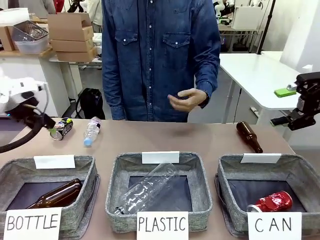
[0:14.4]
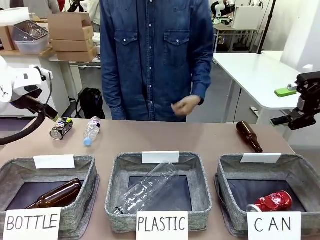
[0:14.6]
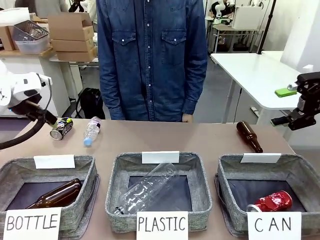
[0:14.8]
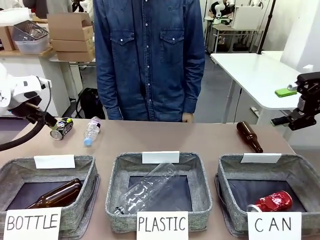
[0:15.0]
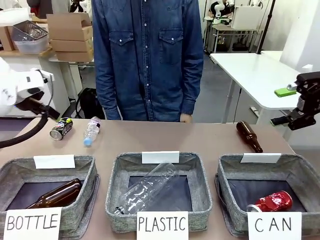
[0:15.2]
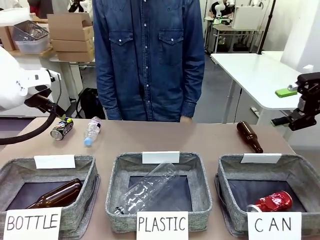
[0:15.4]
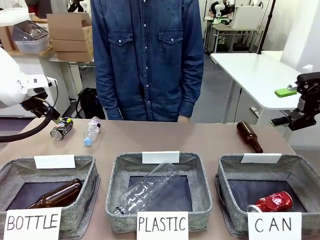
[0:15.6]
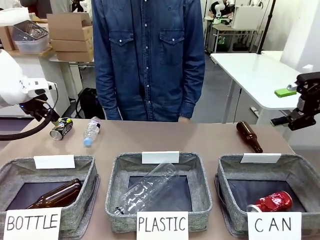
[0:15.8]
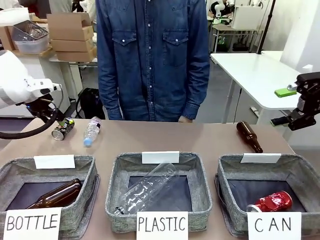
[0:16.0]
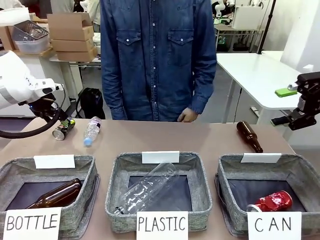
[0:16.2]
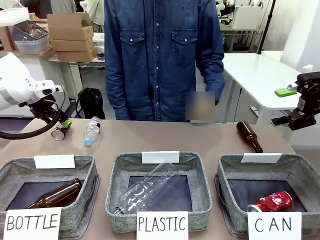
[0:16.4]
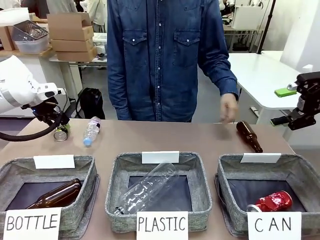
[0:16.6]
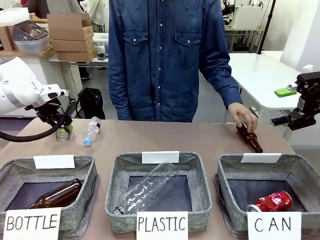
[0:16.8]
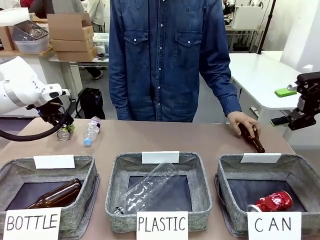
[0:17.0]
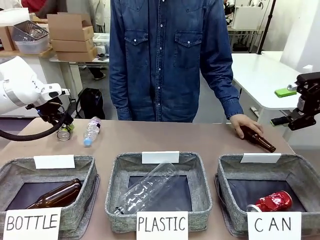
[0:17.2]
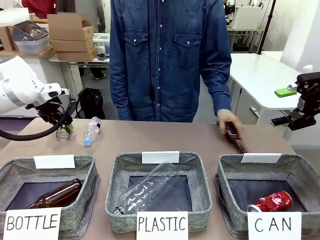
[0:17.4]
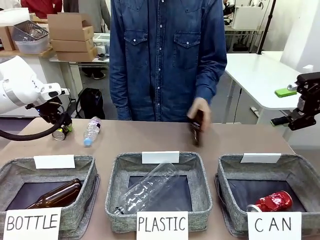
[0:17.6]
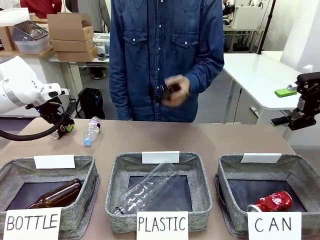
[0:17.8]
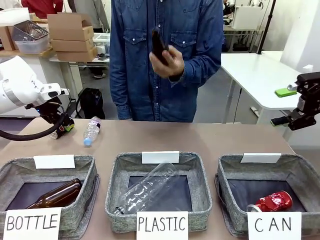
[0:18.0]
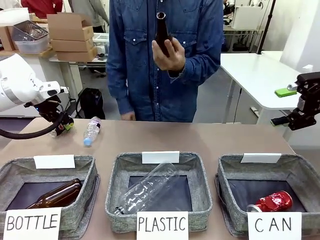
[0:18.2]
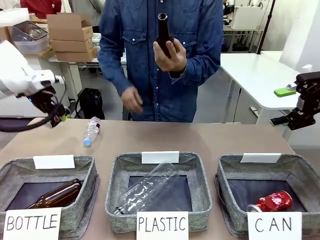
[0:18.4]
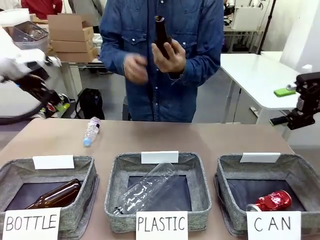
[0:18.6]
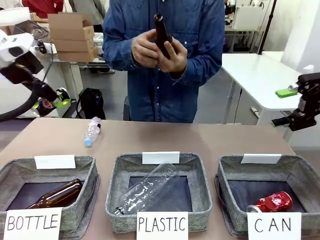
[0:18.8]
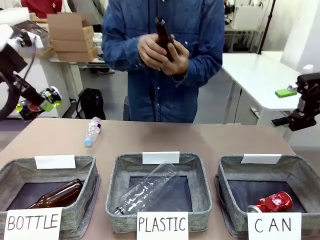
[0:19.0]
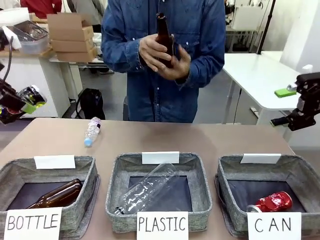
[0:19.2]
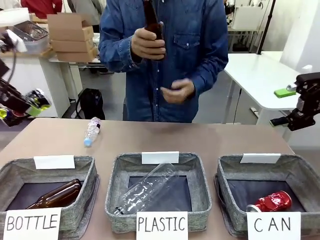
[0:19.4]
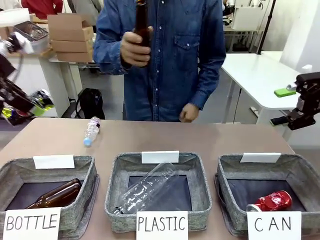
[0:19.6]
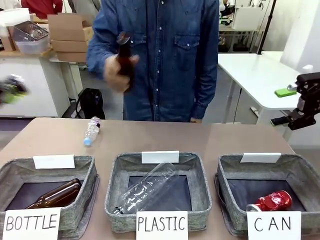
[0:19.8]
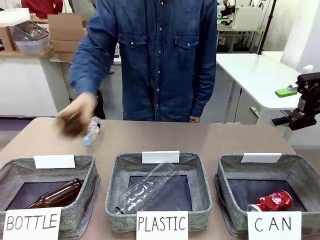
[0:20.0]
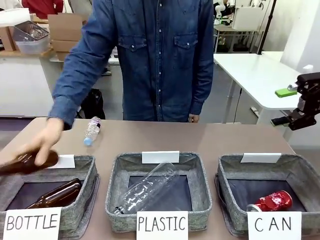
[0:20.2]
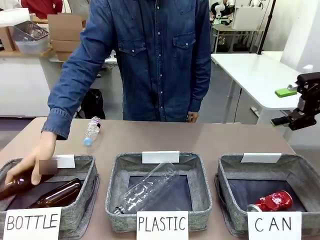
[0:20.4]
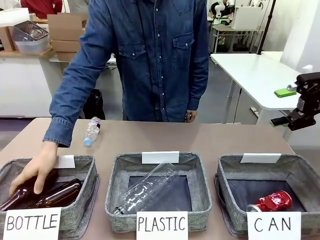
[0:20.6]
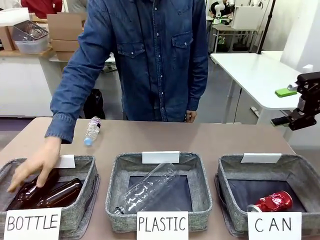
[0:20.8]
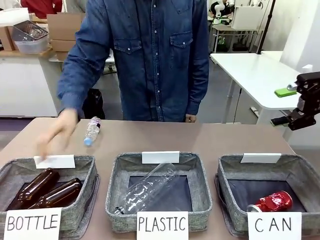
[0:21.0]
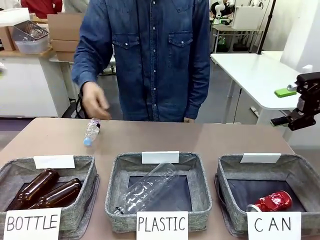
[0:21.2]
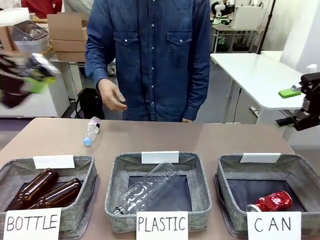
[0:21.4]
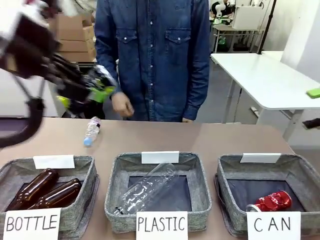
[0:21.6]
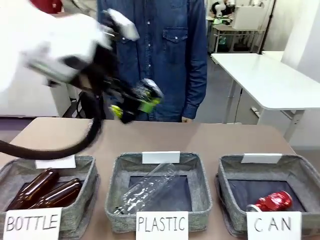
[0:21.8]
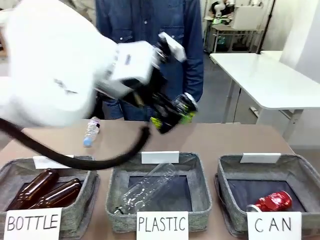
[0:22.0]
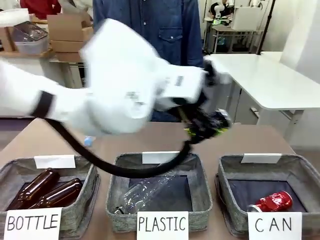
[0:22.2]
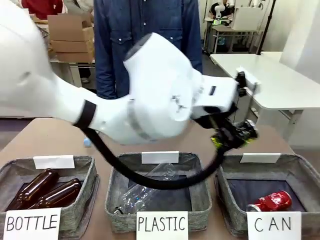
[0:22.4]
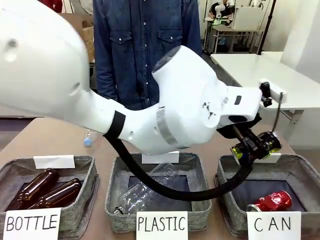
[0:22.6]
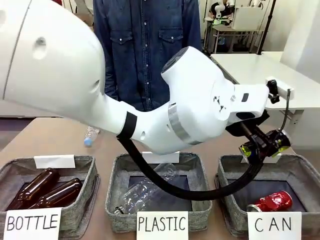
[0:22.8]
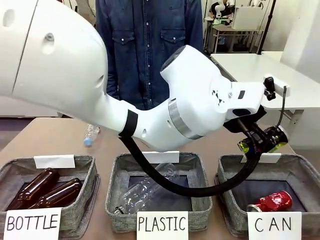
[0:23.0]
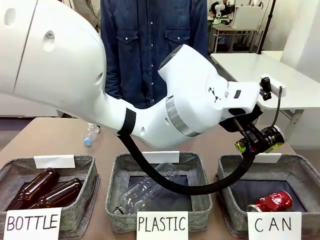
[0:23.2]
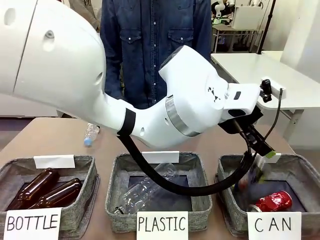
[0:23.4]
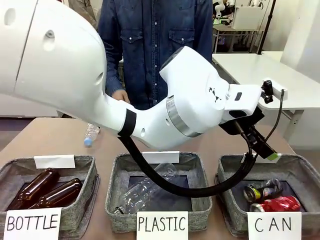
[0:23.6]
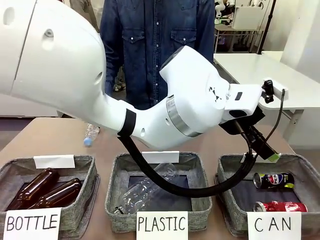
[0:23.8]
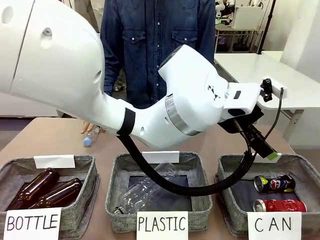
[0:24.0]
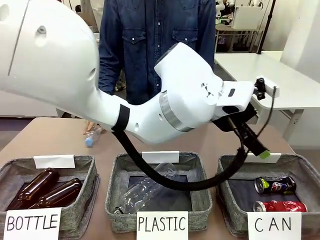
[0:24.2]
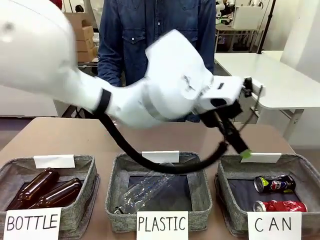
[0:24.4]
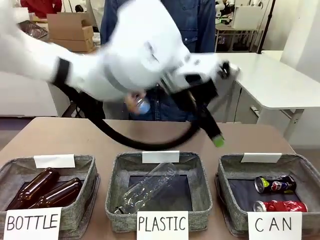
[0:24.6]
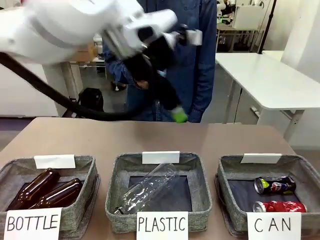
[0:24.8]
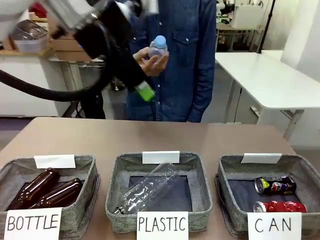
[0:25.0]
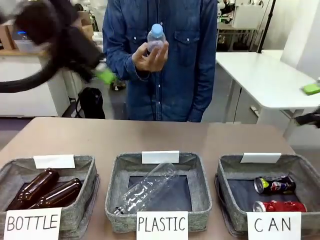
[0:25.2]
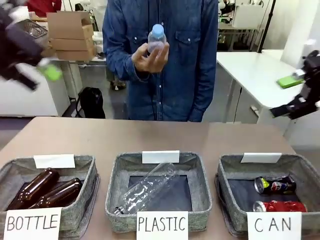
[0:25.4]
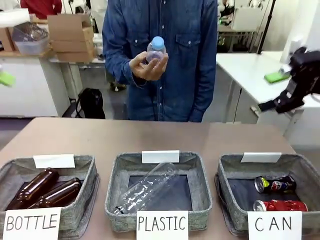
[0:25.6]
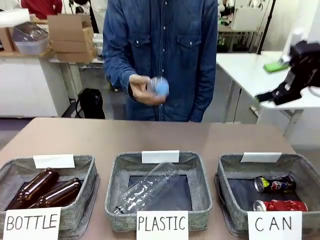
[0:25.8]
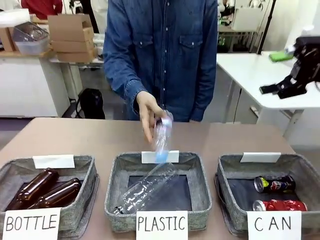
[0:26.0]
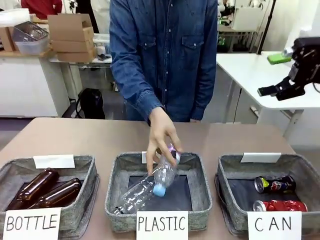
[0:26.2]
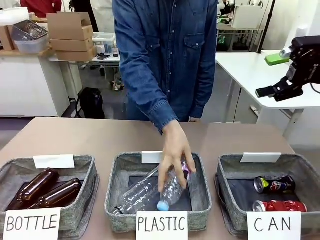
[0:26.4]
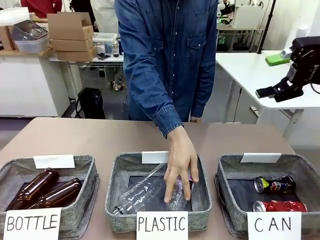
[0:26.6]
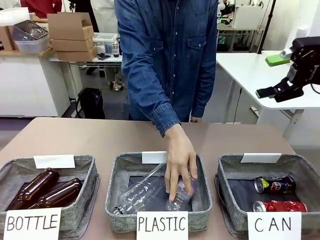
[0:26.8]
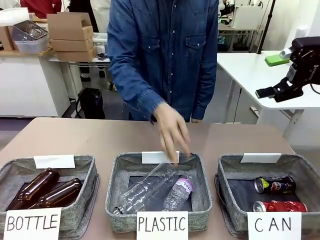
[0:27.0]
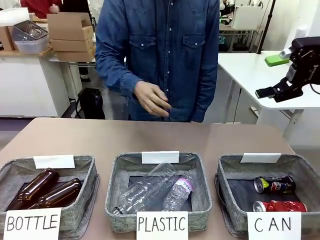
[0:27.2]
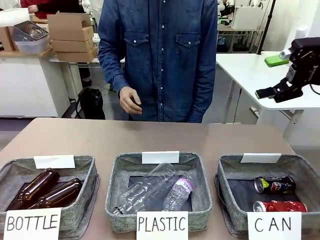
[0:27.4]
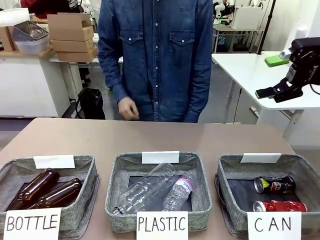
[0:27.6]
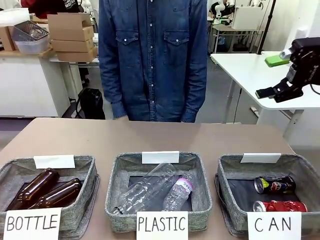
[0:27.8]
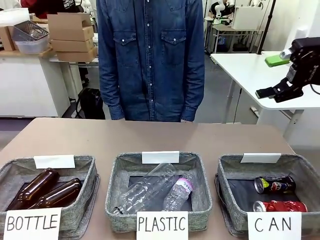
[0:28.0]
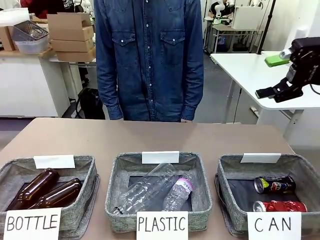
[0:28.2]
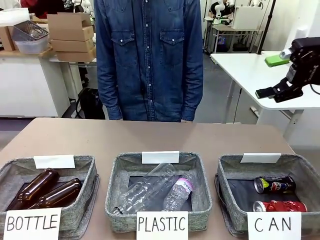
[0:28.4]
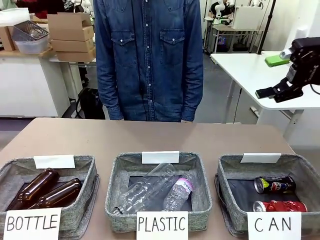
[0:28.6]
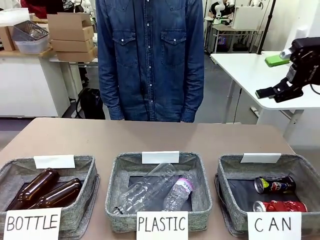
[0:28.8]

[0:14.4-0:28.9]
Task: Sort the can waste into the basket.
Robot: Pick up the can waste from the table and place it in the right Fabric basket.
Person: The human picks up one piece of trash that is not a can and places the trash into the appropriate organizing basket.

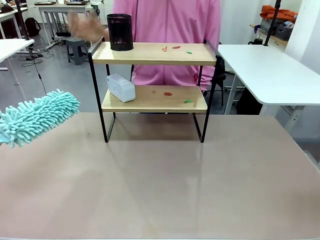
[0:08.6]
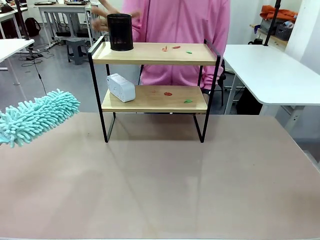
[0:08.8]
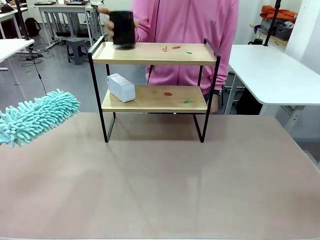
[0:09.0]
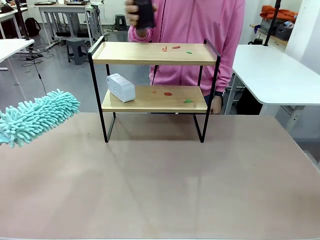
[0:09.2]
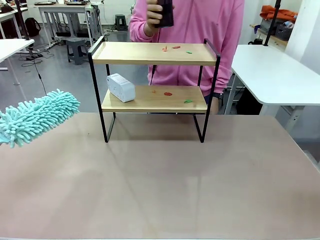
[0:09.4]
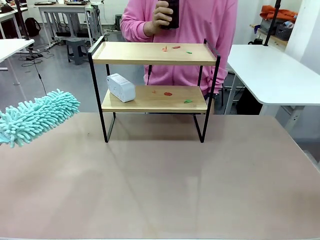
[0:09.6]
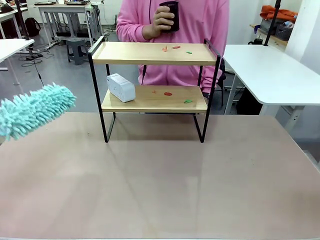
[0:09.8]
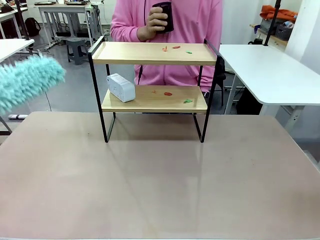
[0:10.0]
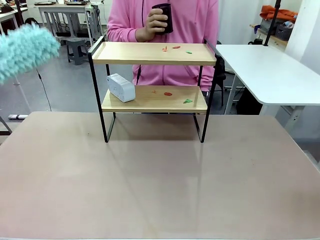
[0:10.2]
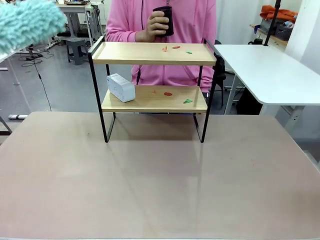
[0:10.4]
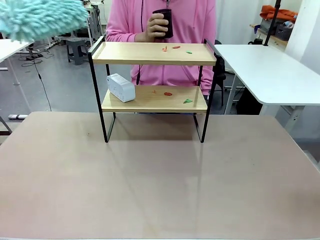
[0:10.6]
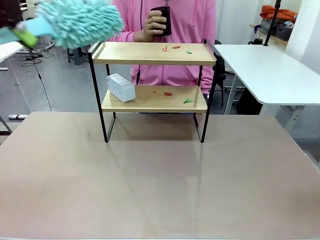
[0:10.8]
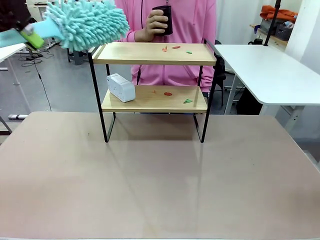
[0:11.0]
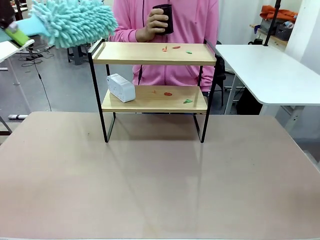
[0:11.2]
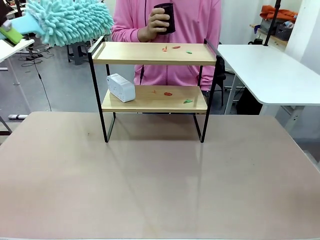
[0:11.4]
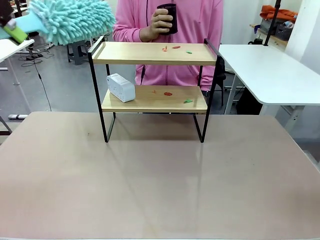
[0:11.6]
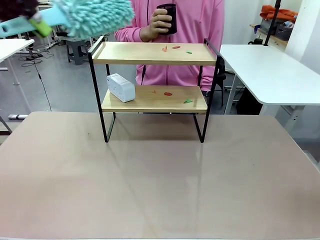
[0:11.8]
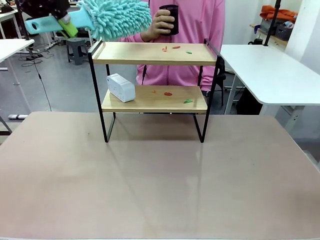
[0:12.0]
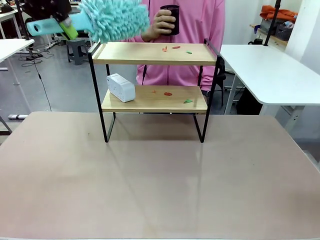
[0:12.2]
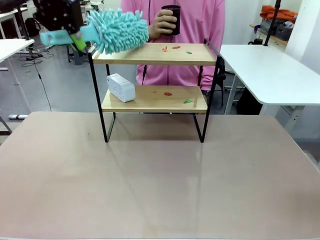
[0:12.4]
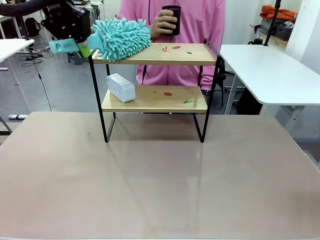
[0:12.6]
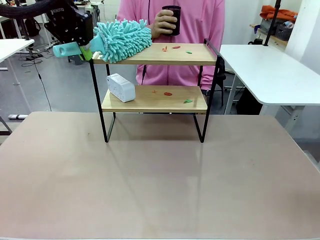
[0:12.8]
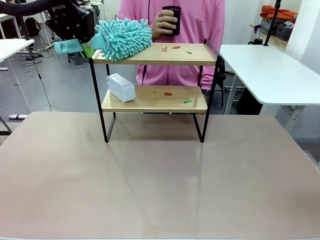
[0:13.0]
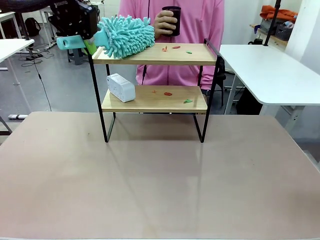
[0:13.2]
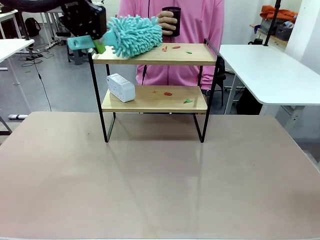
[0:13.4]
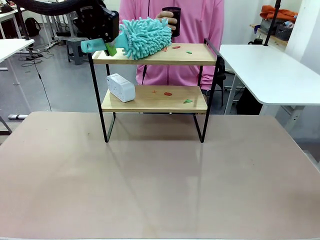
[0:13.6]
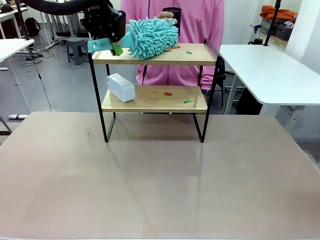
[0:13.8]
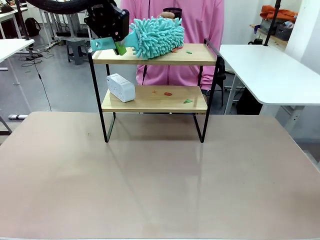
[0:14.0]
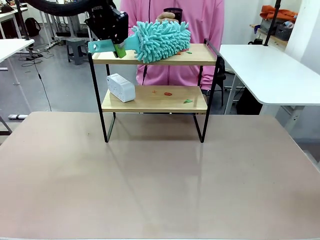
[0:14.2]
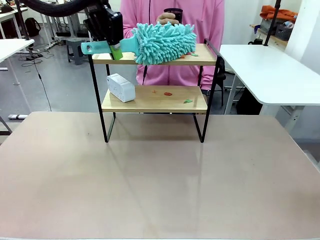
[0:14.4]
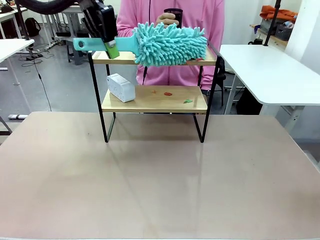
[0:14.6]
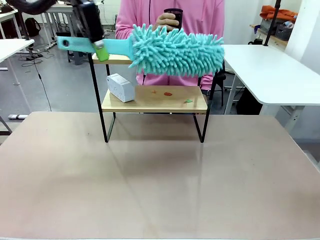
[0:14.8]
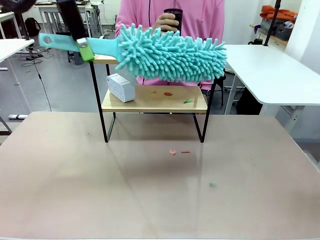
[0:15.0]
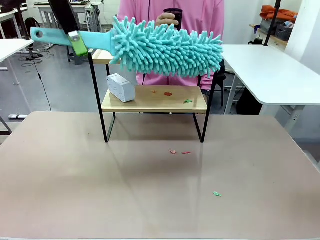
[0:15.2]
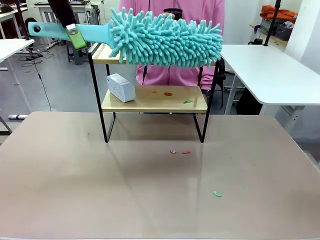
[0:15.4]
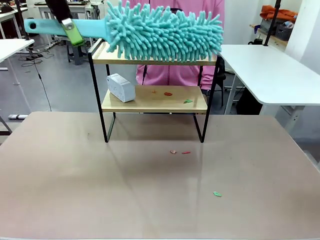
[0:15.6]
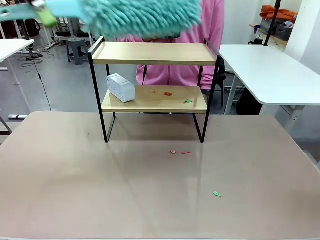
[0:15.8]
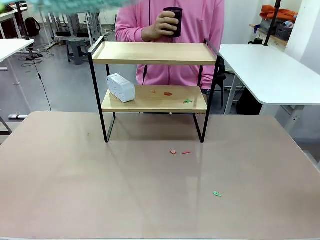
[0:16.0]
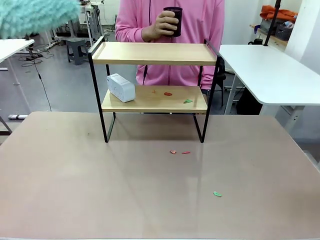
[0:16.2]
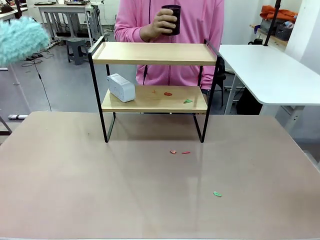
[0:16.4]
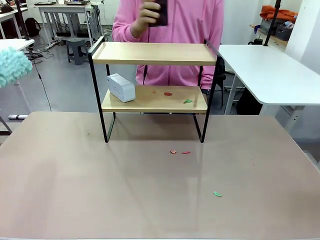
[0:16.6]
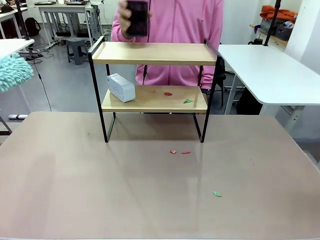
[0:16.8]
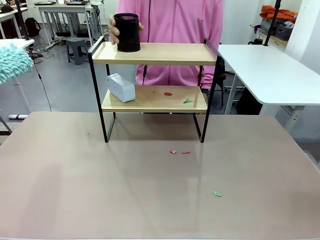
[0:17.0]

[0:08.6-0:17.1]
Task: Clean the shelf.
Robot: Clean the specific tier of the Shelf with the Duster once objects are removed.
Person: Lift the objects on a randomly selected tier of the Shelf. Once the robot finishes cleaning, lift the objects on the remaining tiers of the Shelf.
